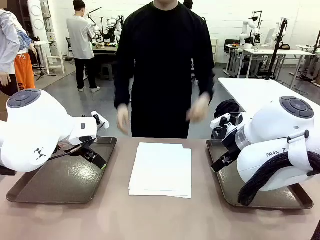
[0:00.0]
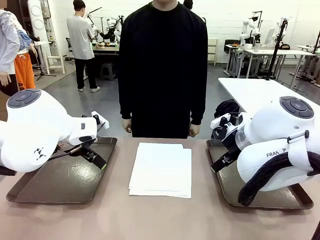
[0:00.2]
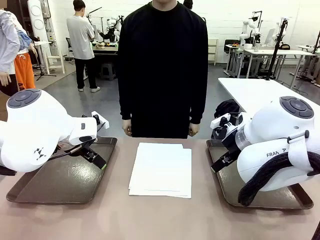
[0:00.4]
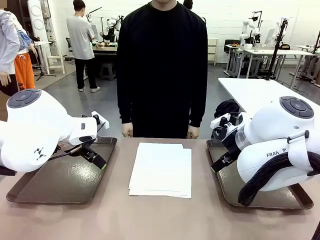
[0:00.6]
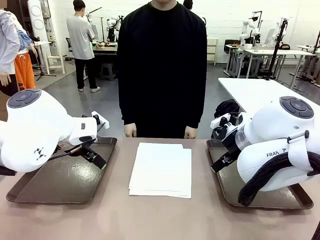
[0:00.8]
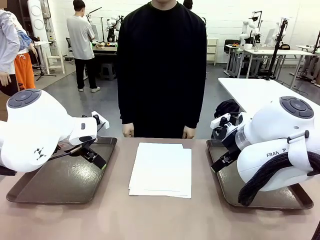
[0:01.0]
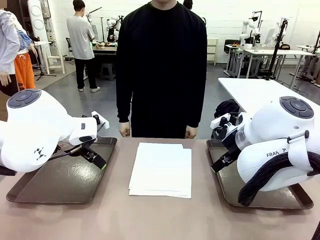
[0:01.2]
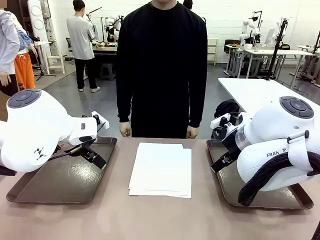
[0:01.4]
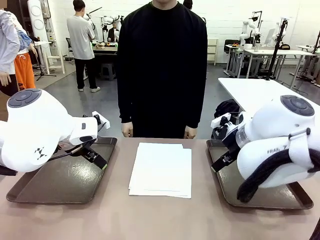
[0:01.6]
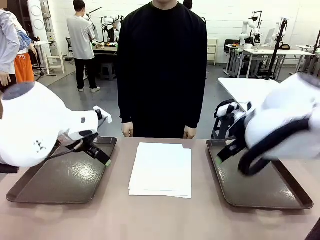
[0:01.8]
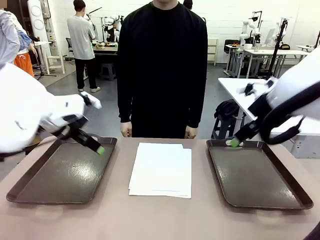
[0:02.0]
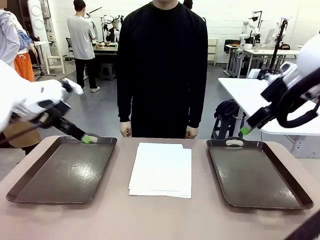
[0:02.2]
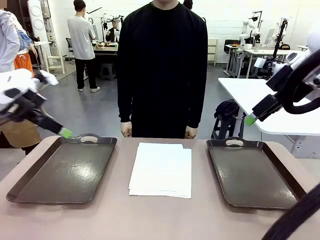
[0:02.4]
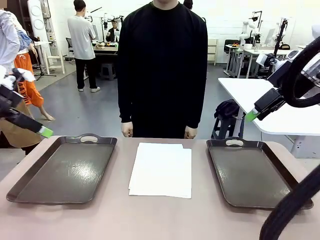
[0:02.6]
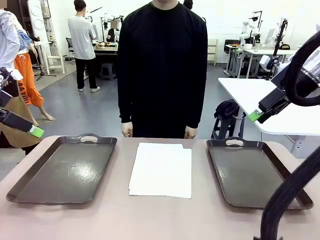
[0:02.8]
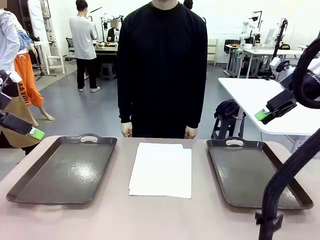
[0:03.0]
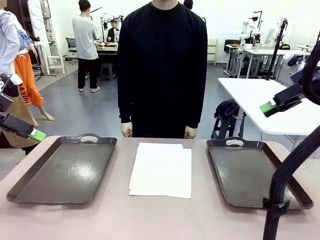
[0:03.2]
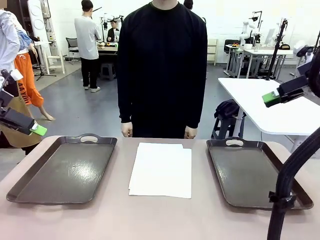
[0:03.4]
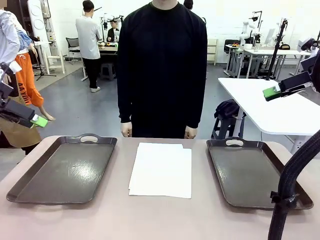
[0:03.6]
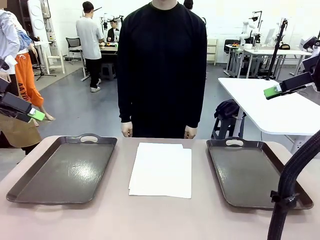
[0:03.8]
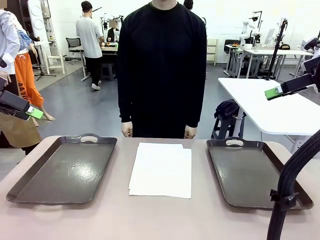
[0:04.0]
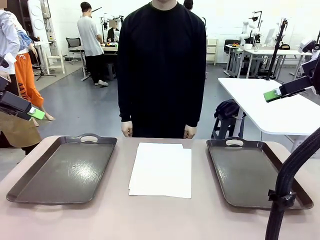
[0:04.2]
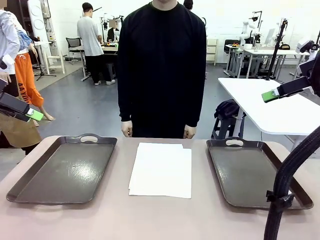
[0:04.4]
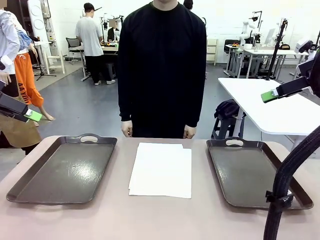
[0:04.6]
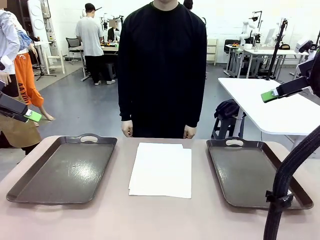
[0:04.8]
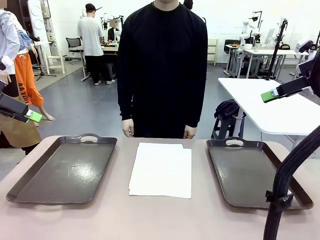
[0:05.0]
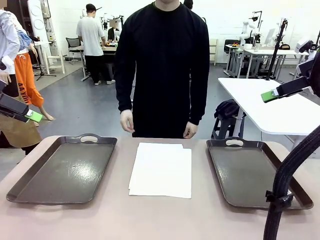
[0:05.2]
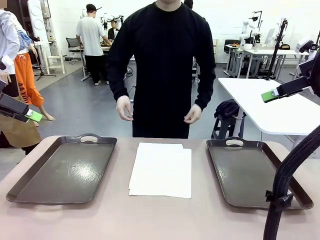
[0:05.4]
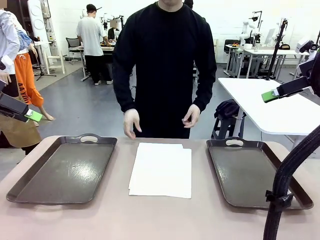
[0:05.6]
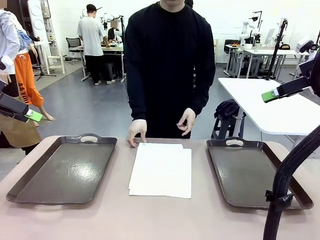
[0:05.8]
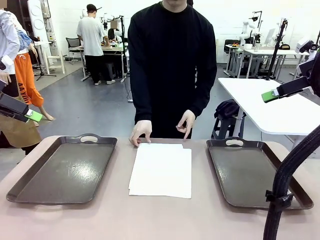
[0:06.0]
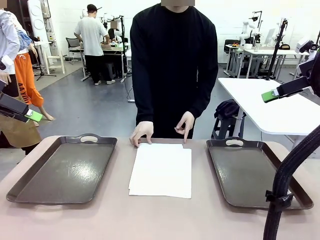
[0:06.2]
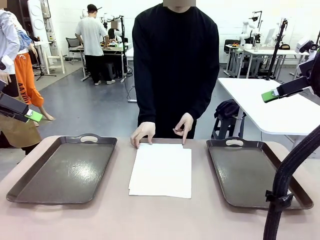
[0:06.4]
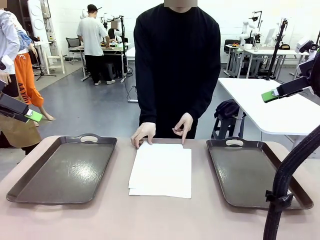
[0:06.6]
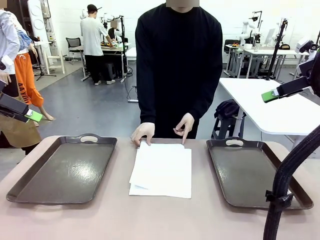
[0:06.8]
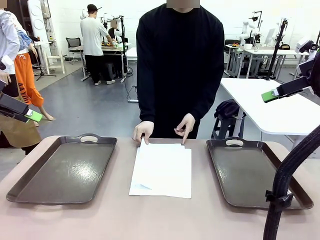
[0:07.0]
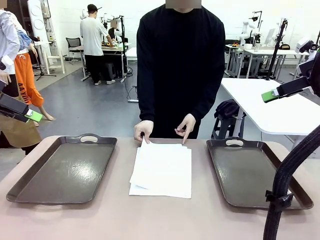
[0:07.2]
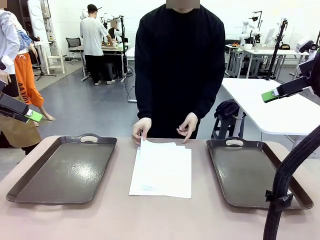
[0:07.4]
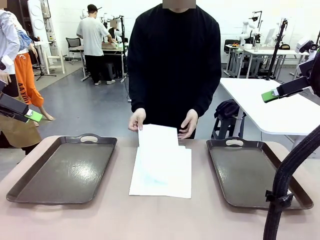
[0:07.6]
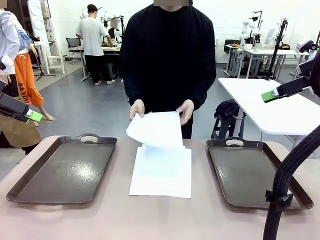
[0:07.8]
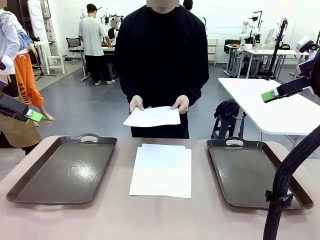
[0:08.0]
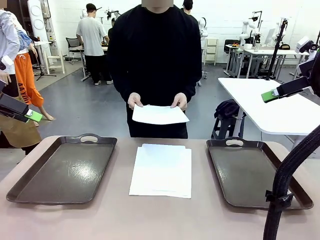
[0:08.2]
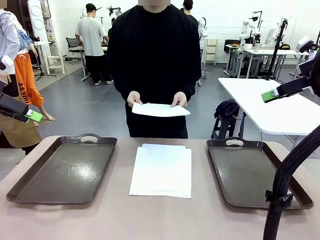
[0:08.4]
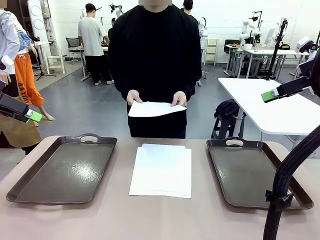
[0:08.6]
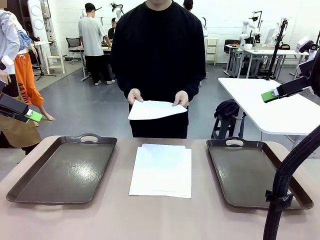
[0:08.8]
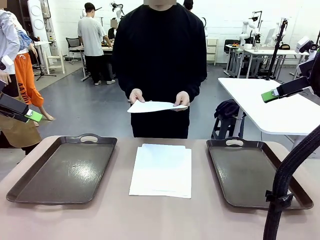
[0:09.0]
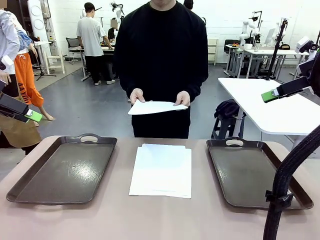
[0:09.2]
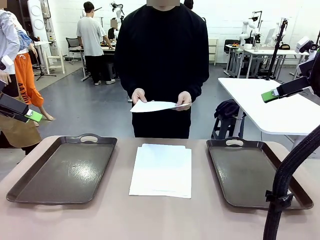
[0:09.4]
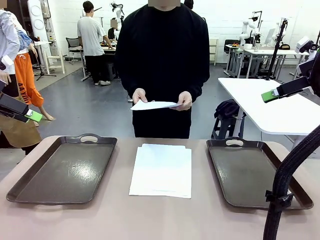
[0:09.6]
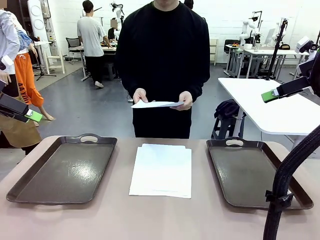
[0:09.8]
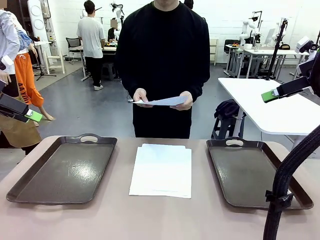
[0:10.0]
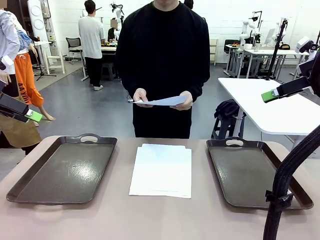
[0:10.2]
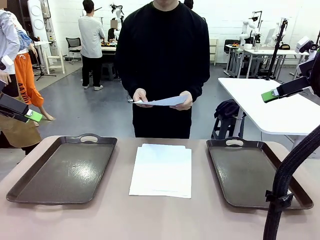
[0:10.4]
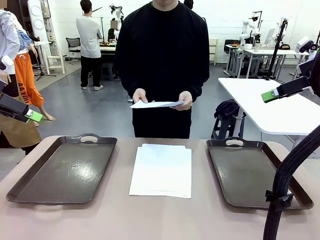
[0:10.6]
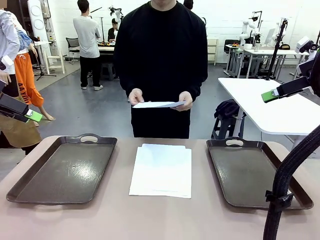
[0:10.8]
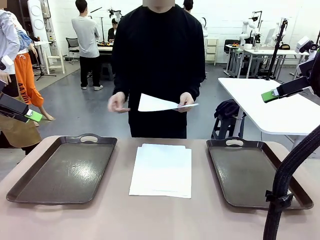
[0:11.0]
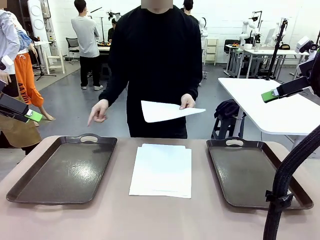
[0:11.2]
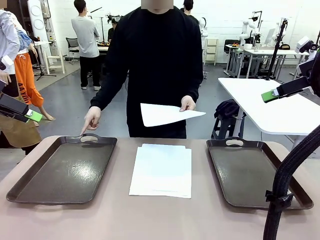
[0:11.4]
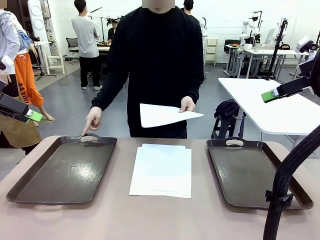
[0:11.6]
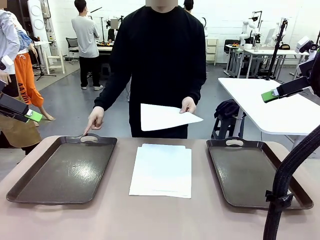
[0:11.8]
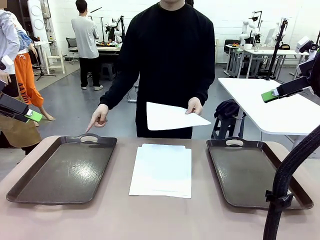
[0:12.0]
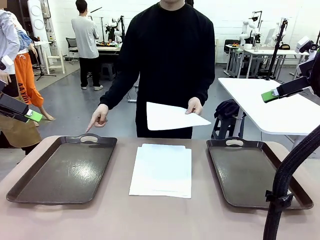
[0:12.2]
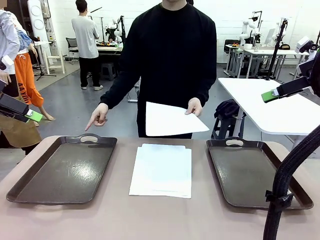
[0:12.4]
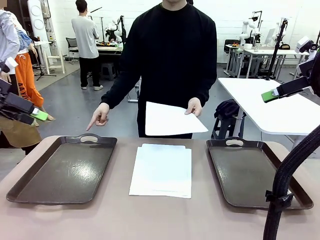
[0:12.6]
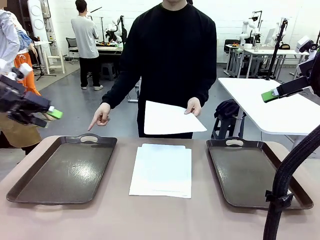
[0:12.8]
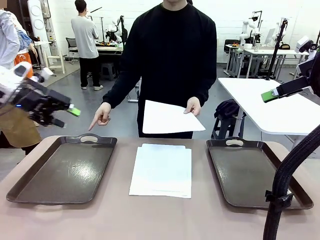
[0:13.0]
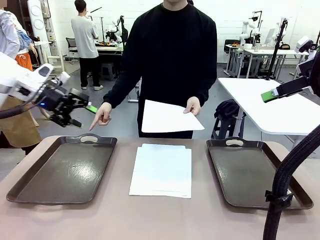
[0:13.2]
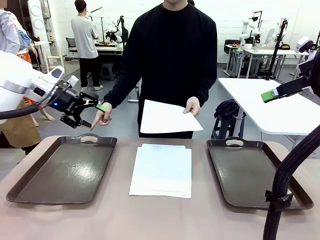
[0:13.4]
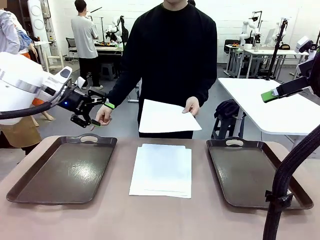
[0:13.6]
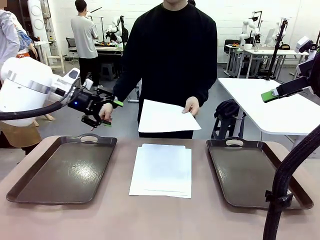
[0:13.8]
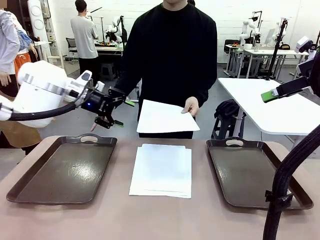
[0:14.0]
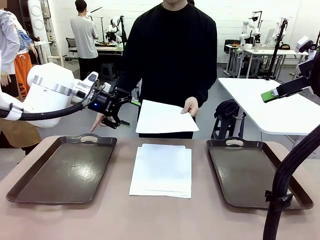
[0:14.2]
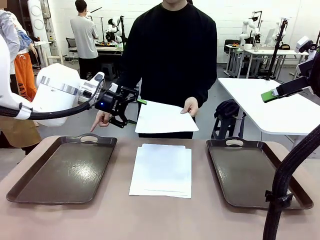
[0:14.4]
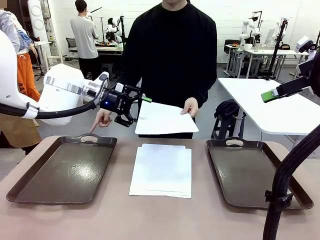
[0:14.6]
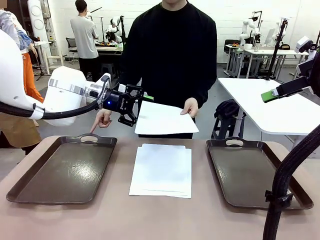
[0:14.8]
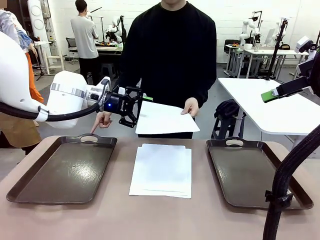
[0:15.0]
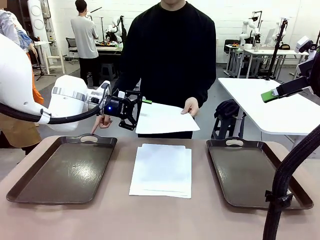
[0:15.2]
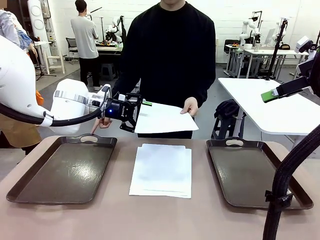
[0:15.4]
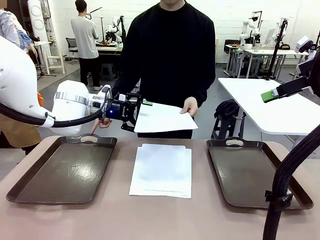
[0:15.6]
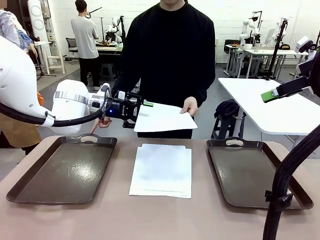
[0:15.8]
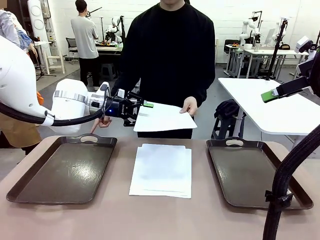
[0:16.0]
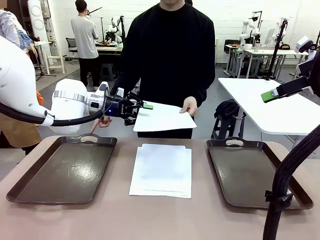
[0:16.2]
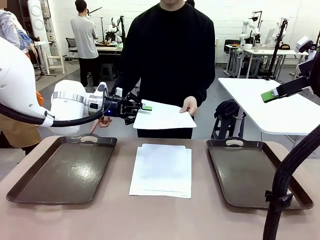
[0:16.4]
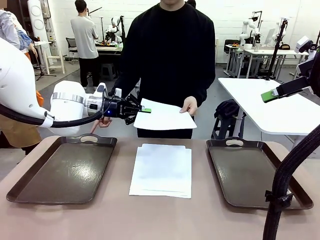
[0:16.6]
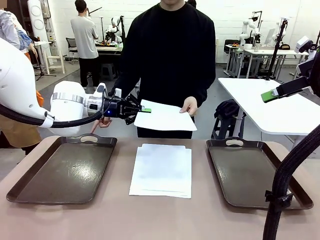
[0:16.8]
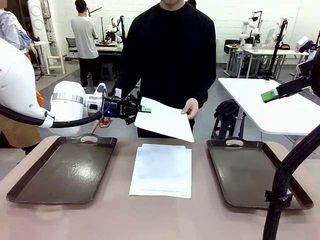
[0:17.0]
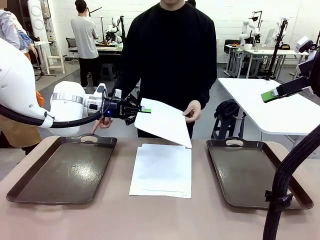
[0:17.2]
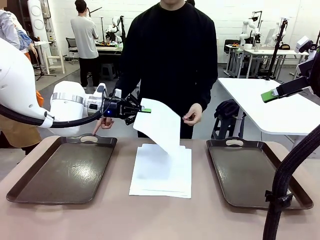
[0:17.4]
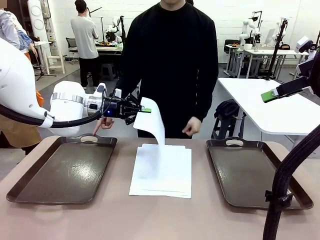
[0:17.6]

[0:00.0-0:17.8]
Task: Sort the A4 documents.
Robot: Receive the A4 Paper.
Person: Pick up a sheet of paper from the center of the table and hand it to the robot. Point the randomly selected tray with the other hand.

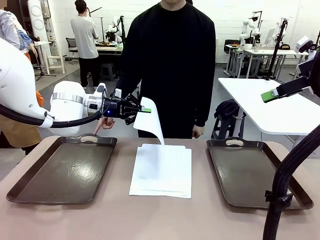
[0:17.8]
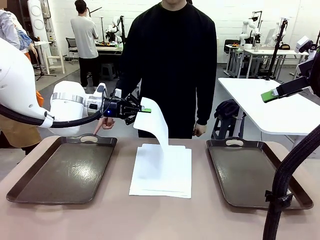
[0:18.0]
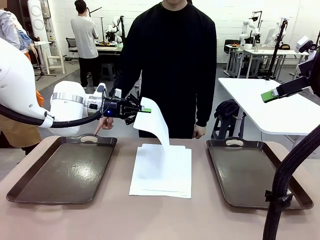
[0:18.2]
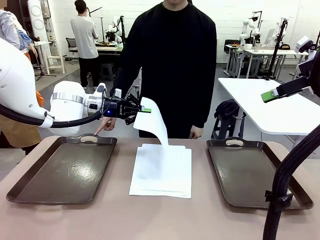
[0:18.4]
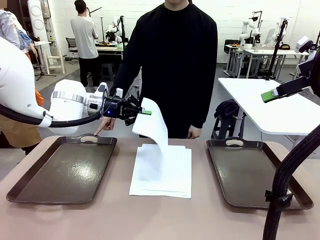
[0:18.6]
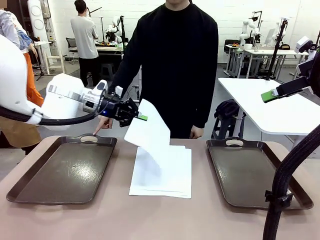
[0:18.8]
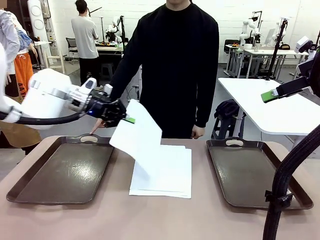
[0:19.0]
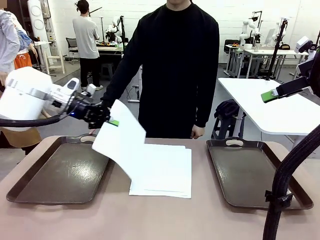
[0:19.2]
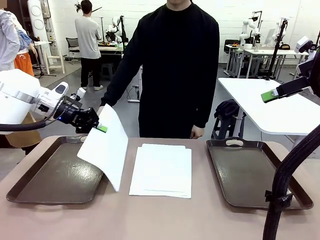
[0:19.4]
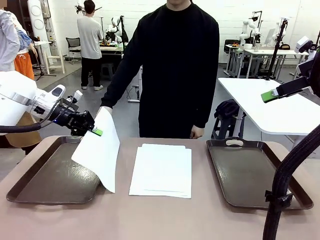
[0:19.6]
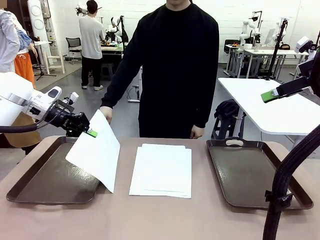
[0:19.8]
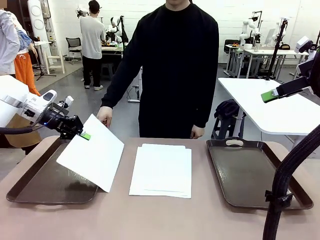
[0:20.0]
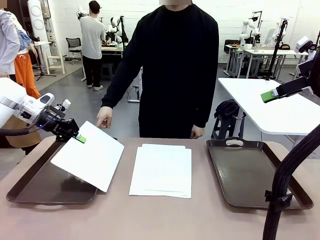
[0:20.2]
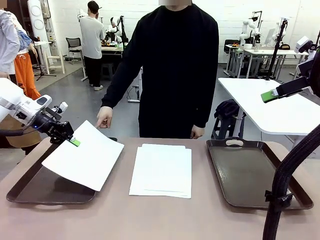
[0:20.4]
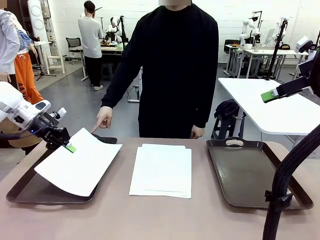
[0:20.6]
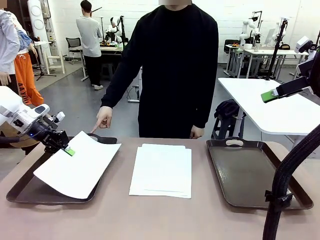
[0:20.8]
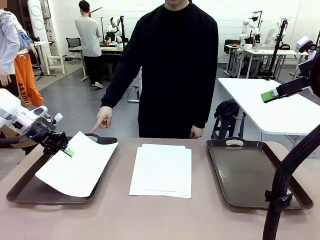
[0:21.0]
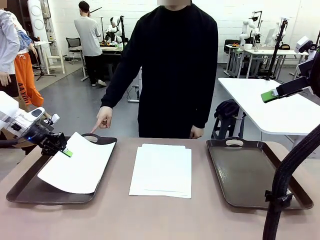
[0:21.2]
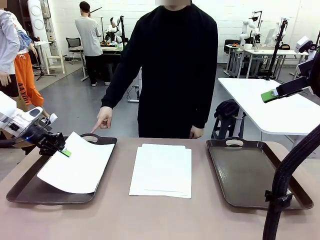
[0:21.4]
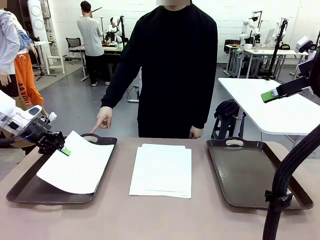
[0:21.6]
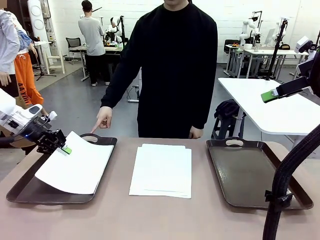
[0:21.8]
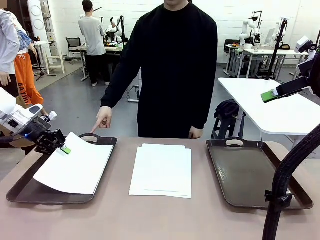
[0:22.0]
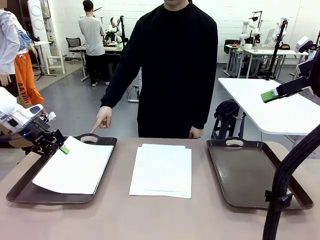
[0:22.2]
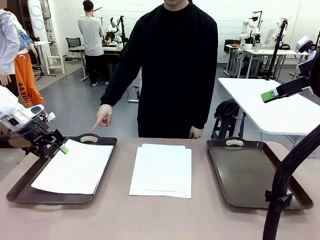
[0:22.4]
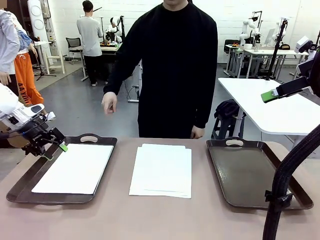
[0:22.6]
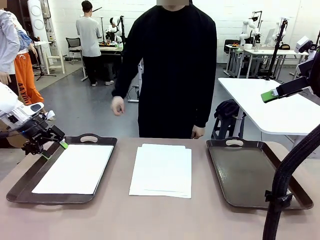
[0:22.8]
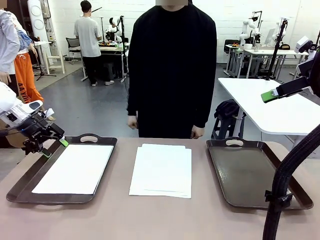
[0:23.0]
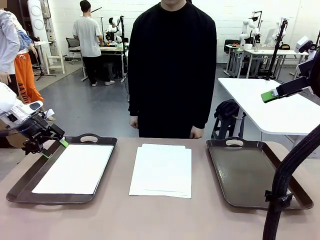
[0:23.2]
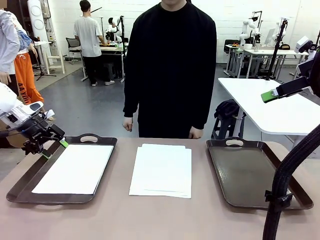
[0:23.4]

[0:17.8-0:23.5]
Robot: Place the A4 Paper in the designated Handle tray.
